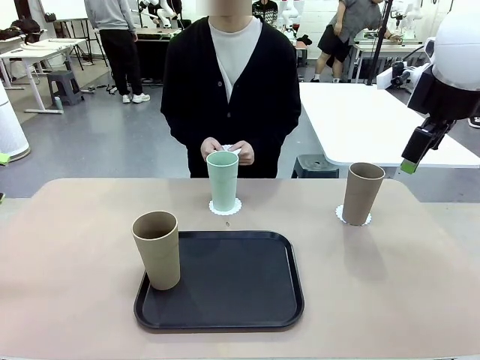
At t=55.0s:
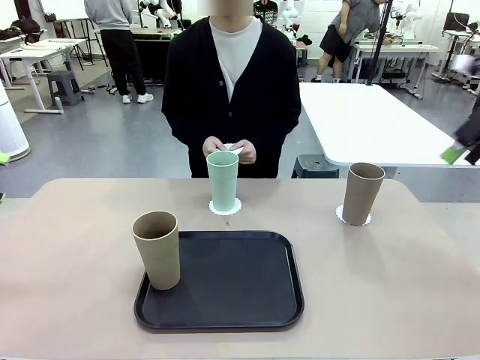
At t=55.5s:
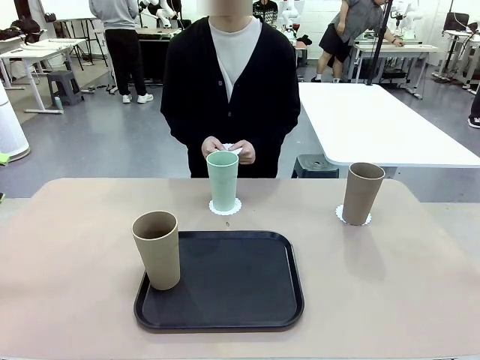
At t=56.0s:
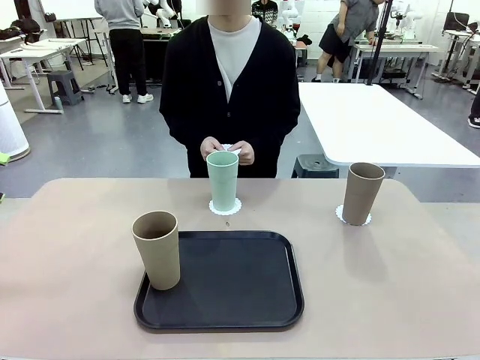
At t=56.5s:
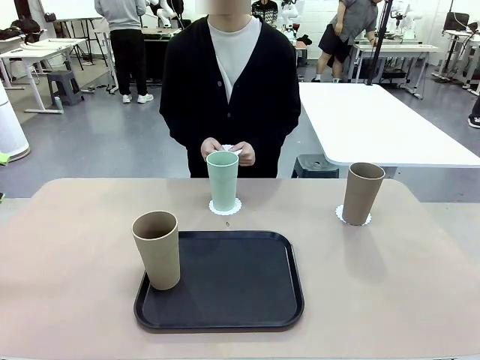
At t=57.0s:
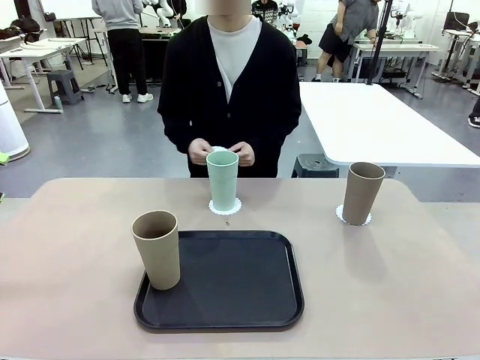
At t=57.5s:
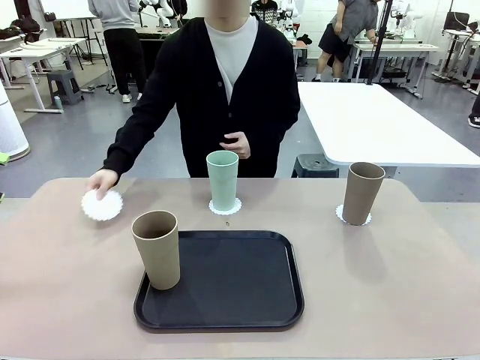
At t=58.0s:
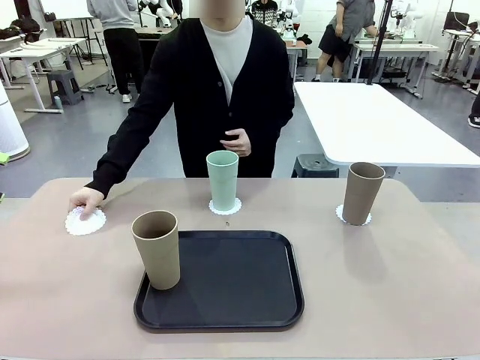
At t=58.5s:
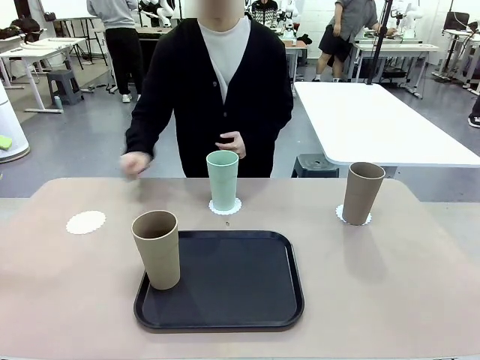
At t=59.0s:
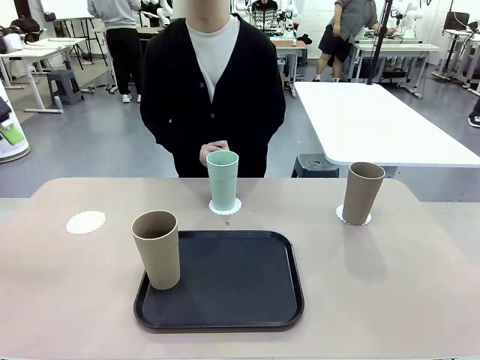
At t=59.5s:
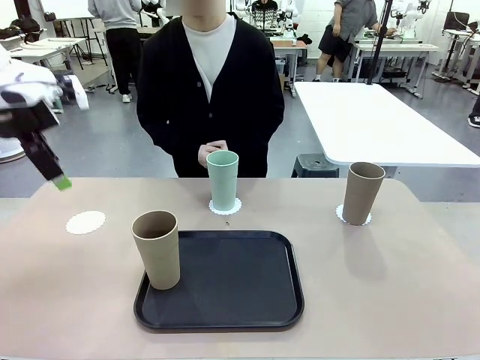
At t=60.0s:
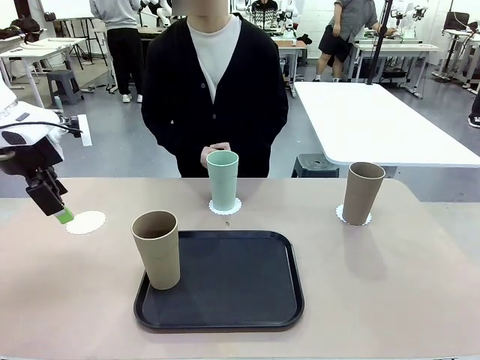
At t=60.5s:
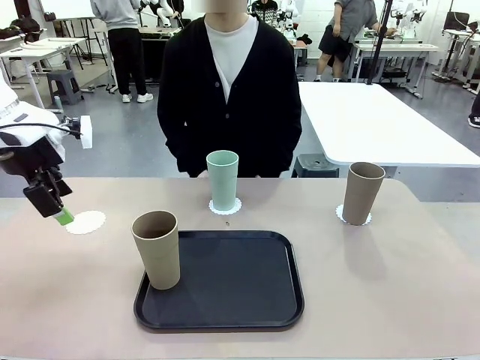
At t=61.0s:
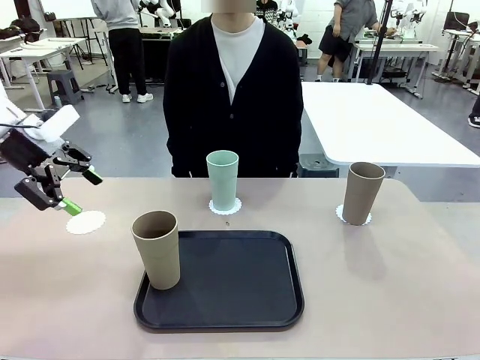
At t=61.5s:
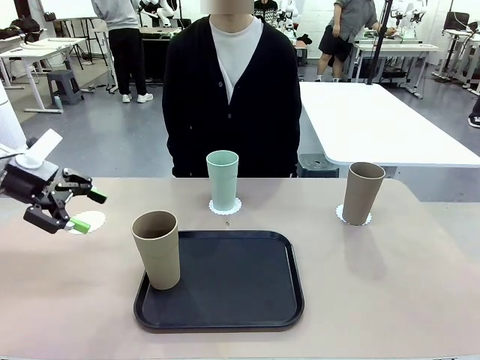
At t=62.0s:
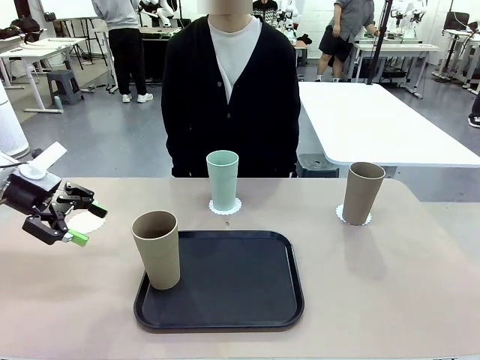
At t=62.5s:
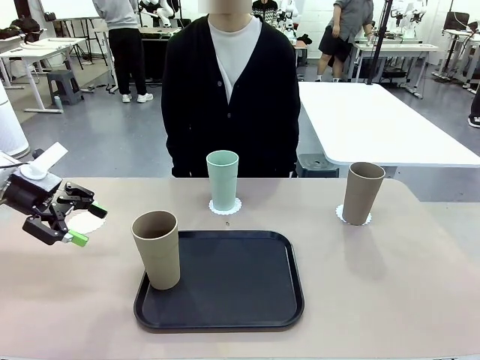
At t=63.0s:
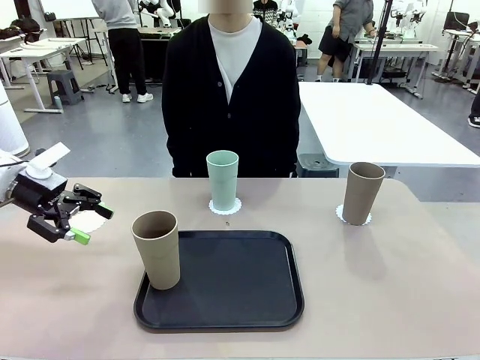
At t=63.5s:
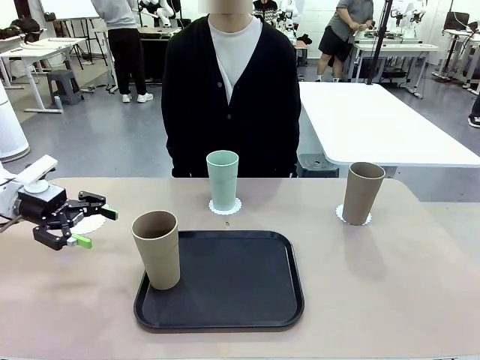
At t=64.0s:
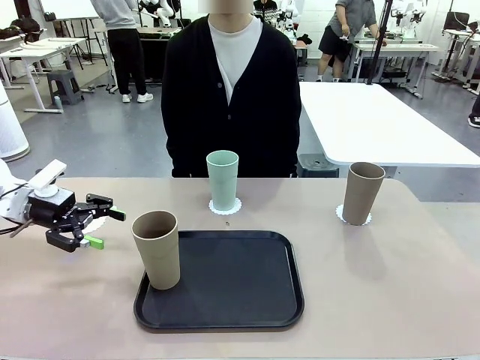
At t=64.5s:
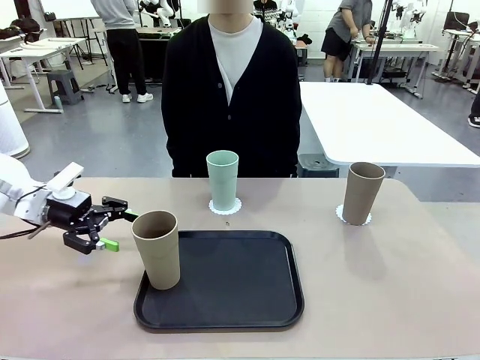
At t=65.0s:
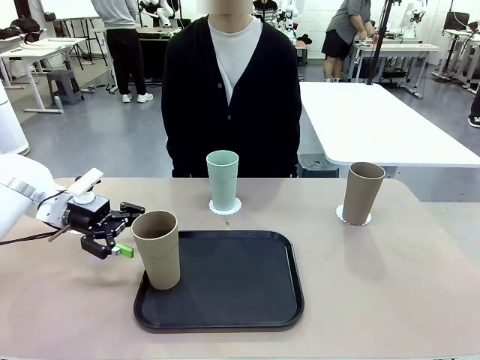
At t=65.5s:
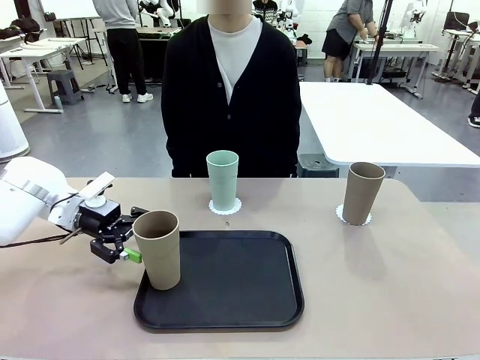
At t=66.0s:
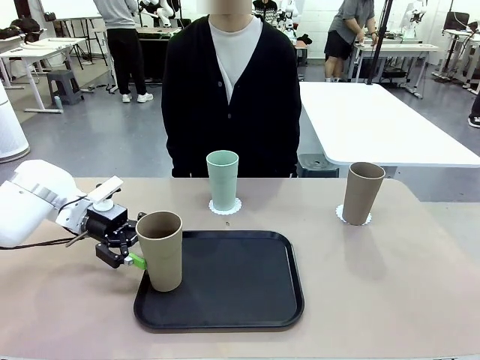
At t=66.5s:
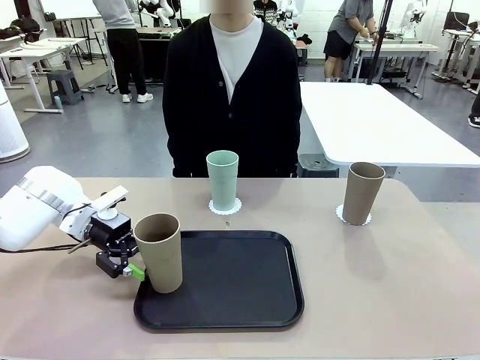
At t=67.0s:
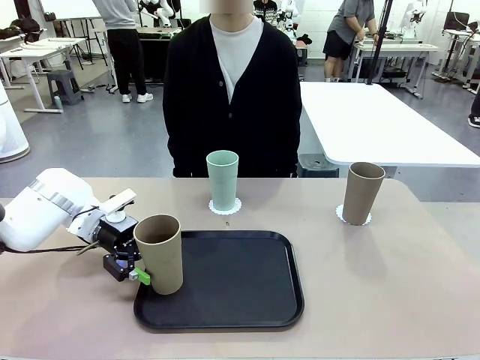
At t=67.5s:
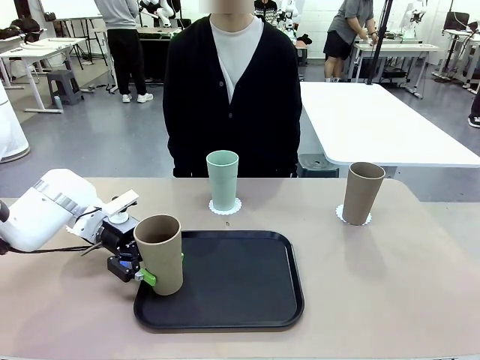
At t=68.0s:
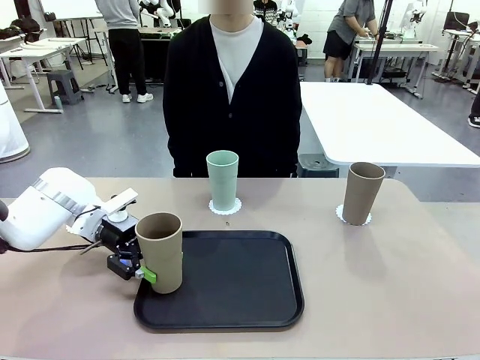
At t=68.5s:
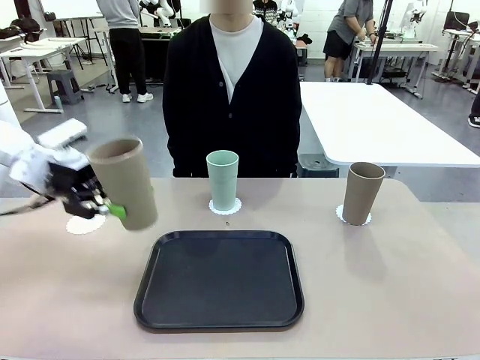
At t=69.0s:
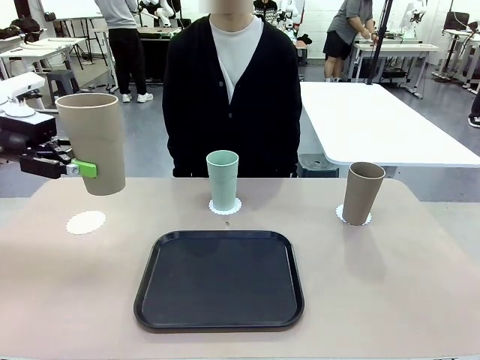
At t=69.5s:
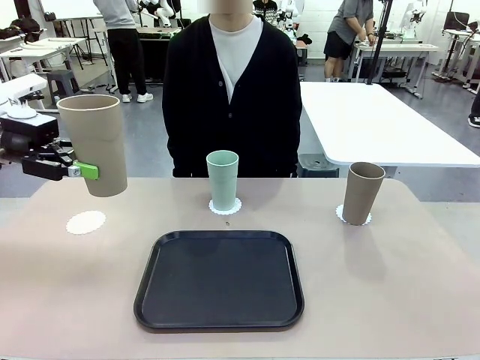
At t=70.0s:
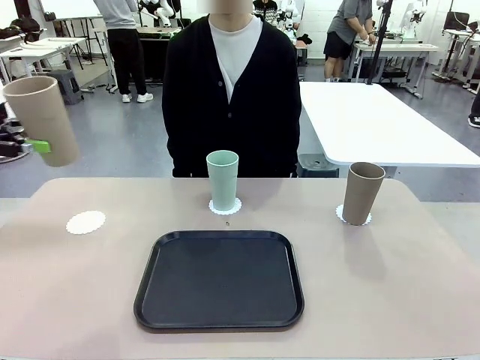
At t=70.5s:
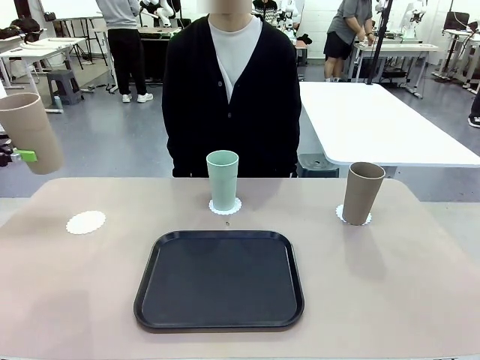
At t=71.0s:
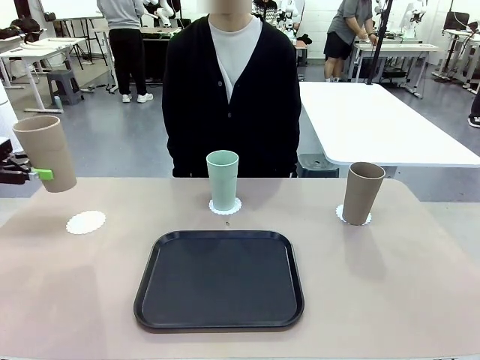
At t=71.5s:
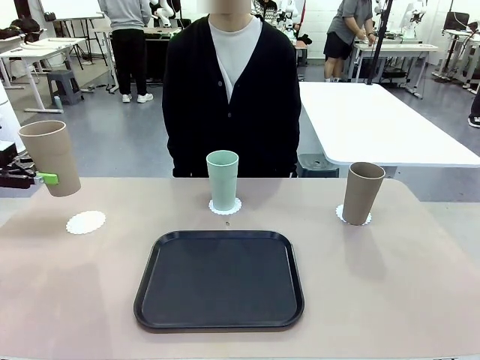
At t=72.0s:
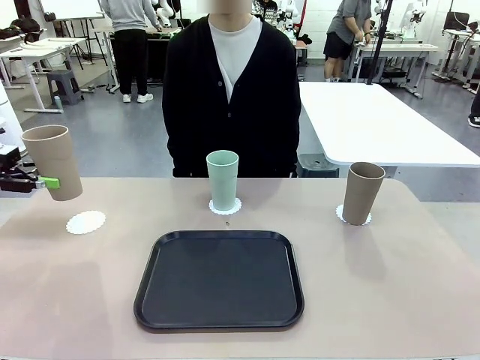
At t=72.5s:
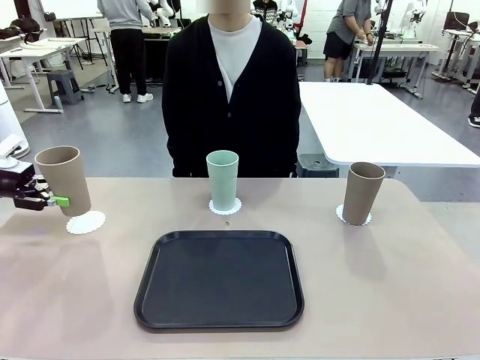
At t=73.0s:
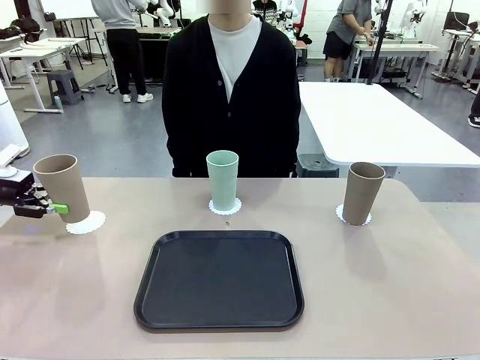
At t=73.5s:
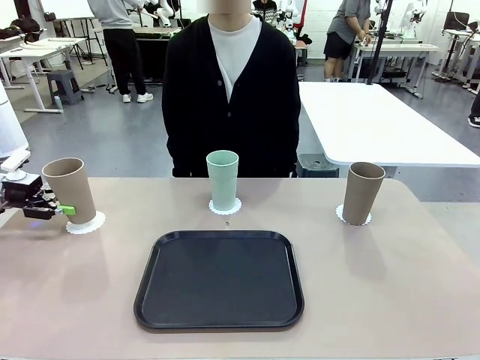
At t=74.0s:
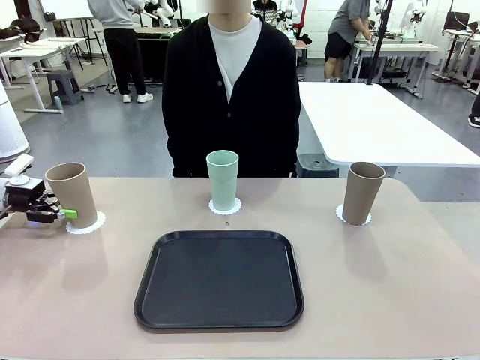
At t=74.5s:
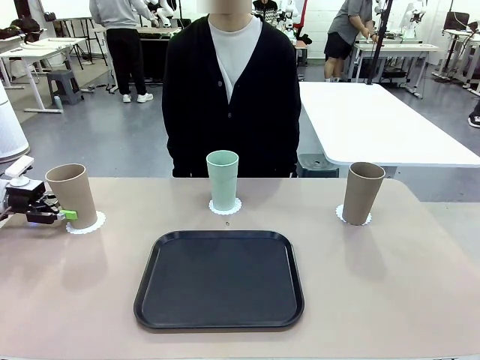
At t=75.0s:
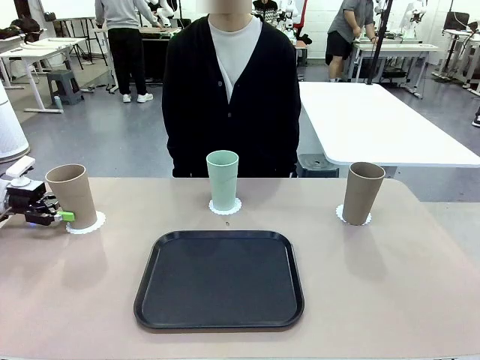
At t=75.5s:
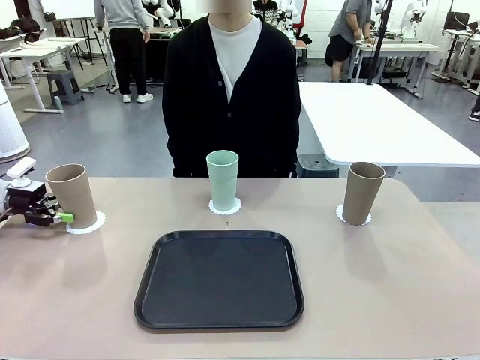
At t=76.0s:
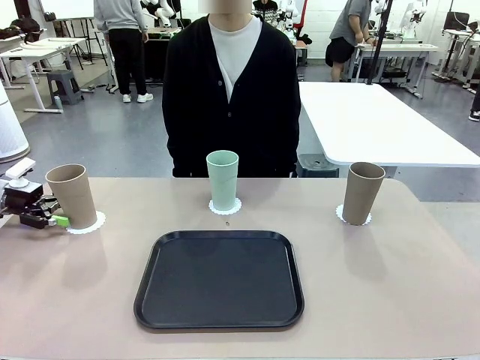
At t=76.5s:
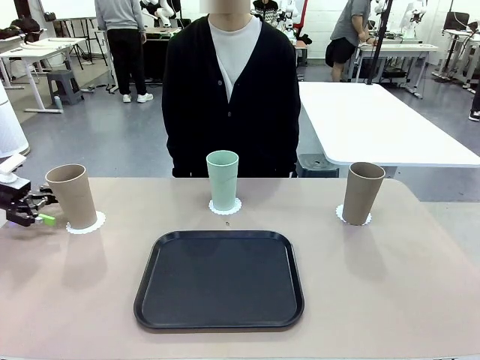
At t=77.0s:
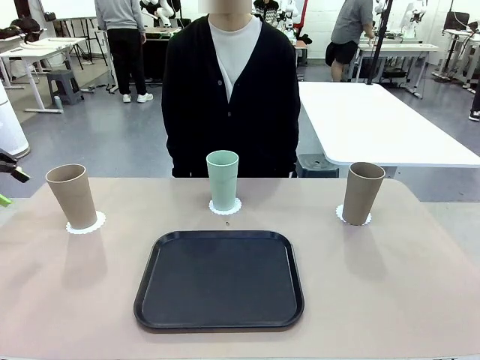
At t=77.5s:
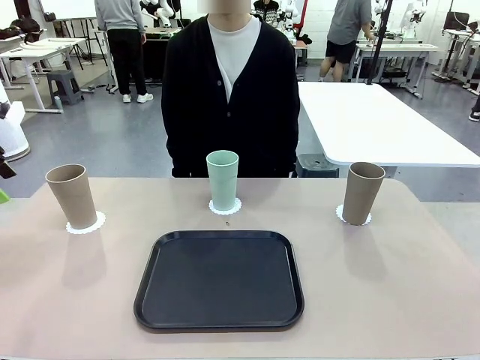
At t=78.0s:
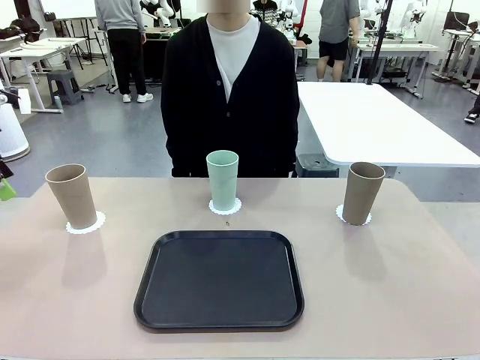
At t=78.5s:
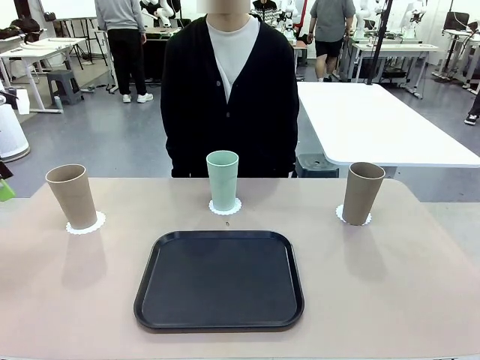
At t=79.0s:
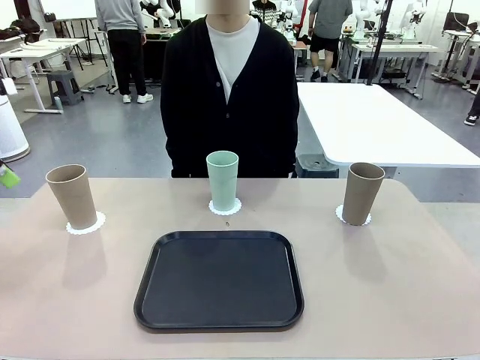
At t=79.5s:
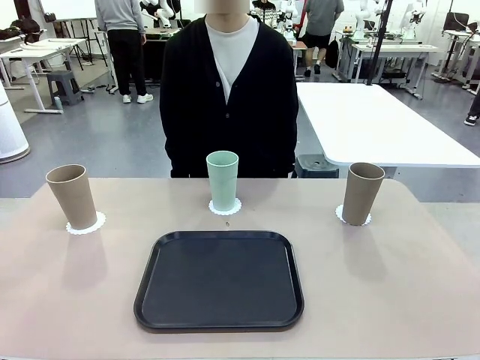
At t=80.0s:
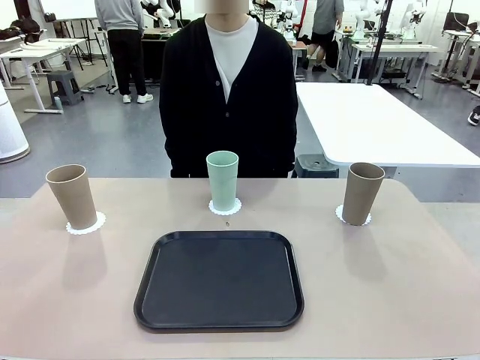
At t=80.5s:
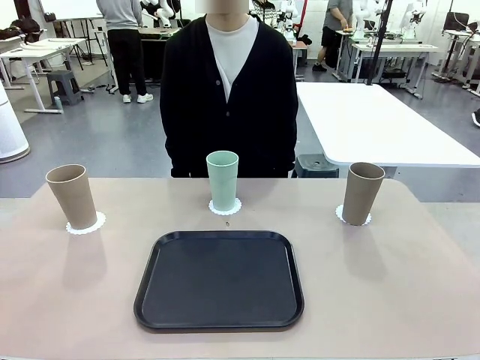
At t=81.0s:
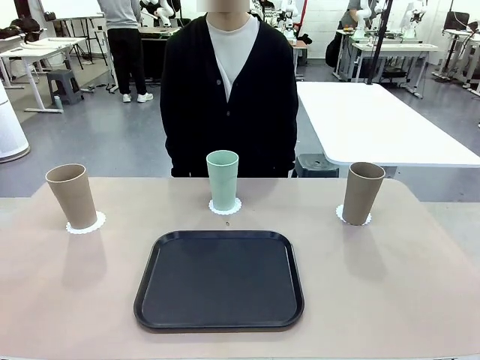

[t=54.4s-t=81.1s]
Task: Place coasters on the table and set cups on them.
Robot: Take one Reusable plastic cup from the Flat Tray and place it on a coaster set by the human.
Person: Place one coaster in the only remaining area.
